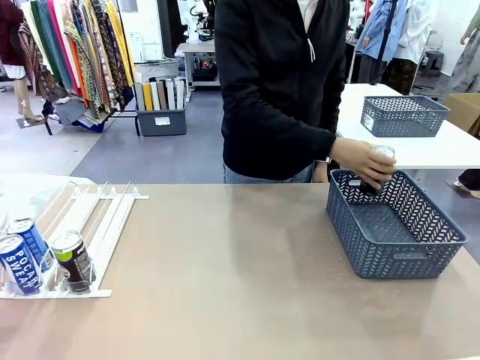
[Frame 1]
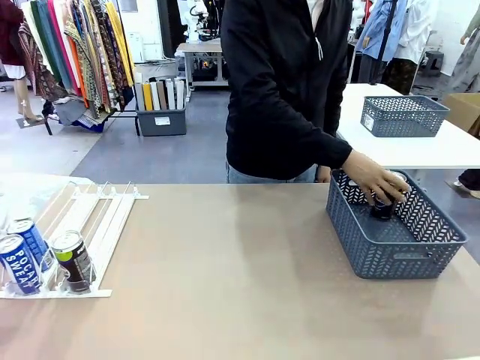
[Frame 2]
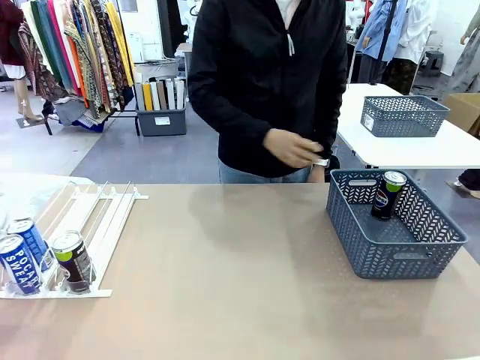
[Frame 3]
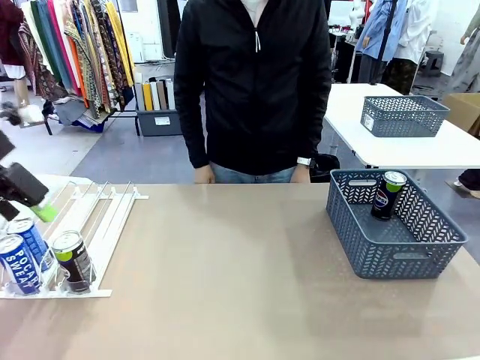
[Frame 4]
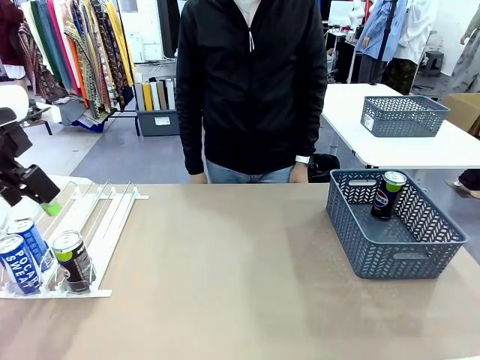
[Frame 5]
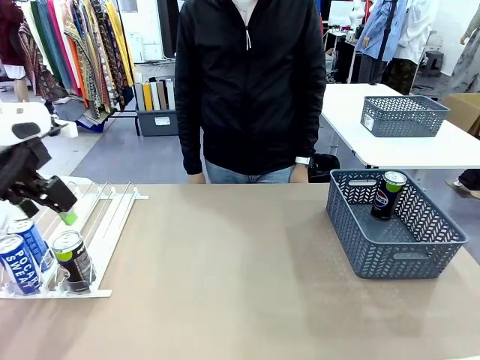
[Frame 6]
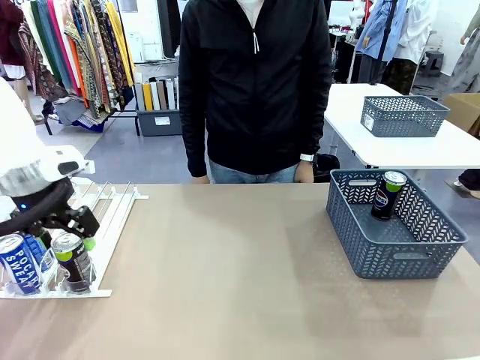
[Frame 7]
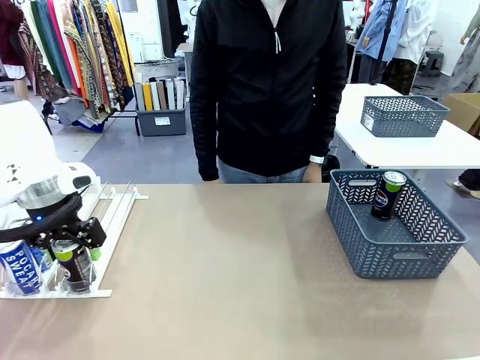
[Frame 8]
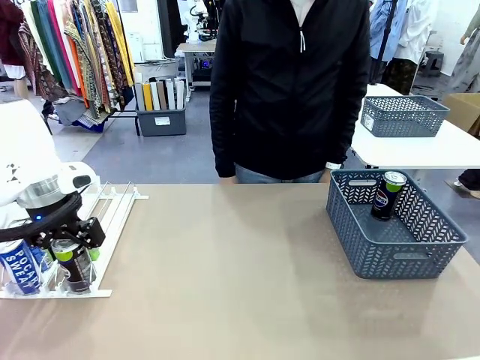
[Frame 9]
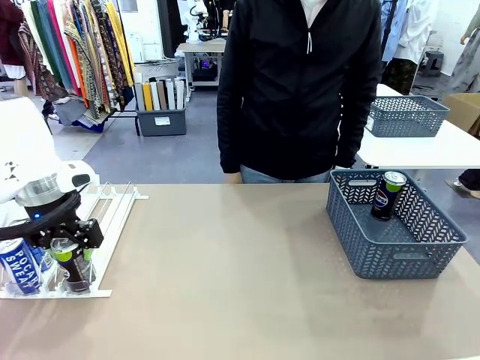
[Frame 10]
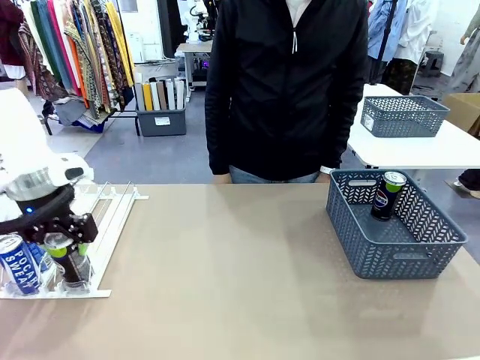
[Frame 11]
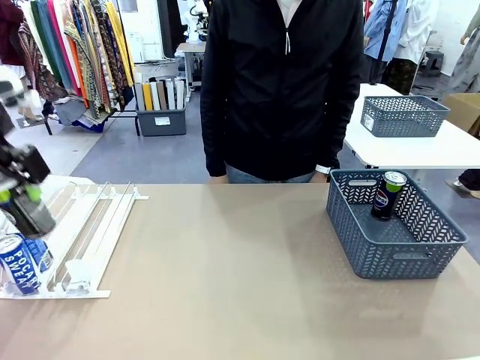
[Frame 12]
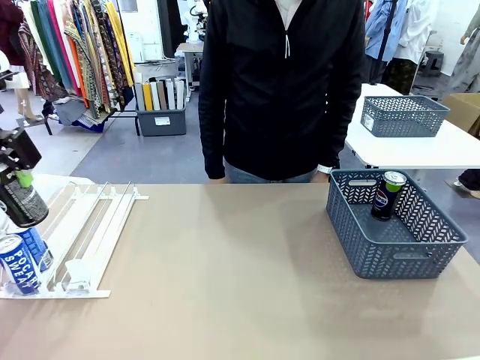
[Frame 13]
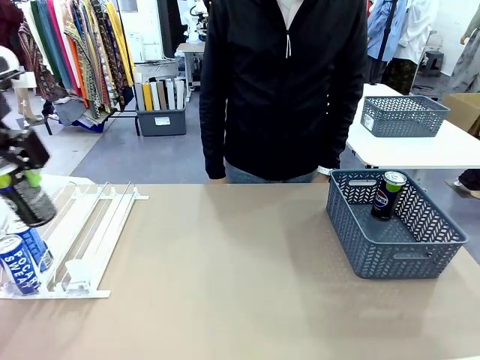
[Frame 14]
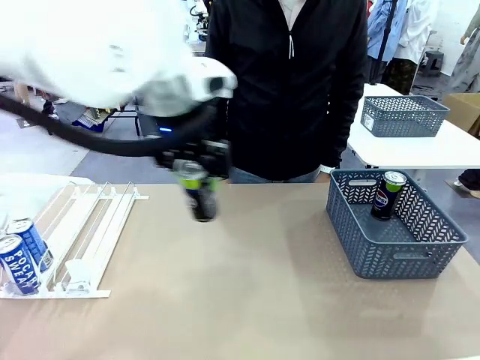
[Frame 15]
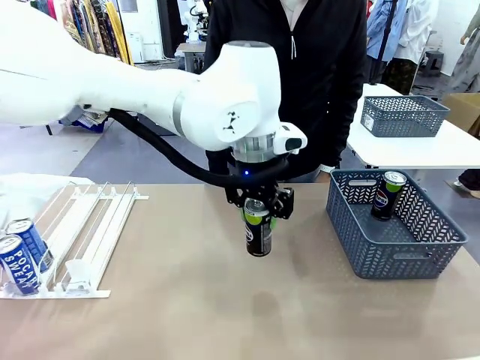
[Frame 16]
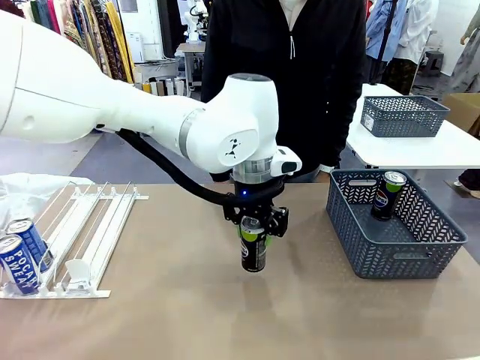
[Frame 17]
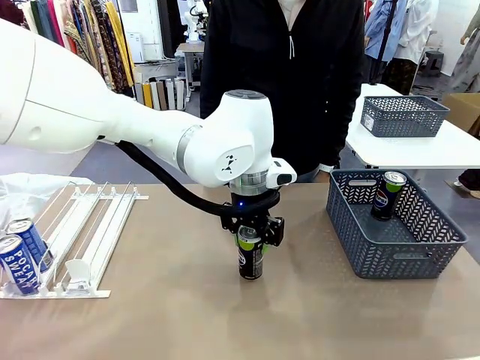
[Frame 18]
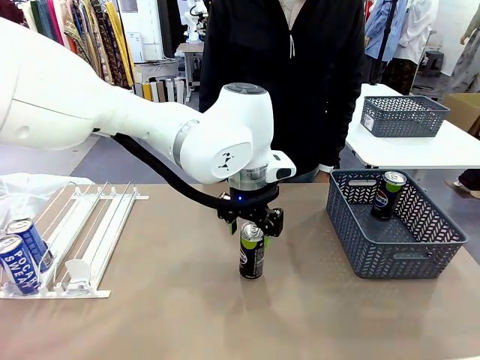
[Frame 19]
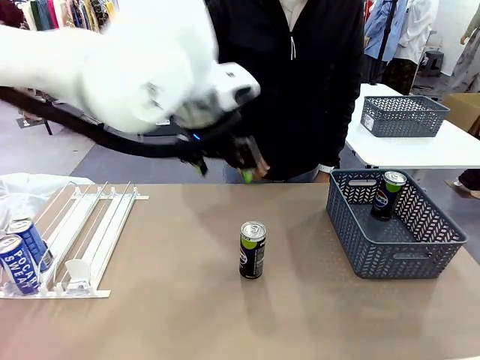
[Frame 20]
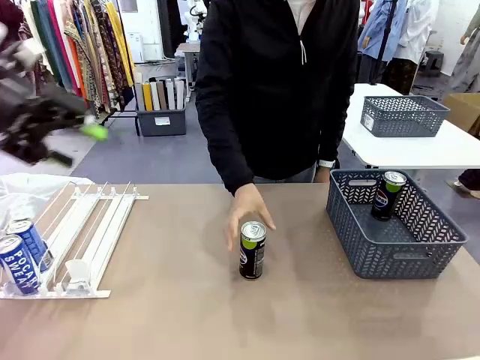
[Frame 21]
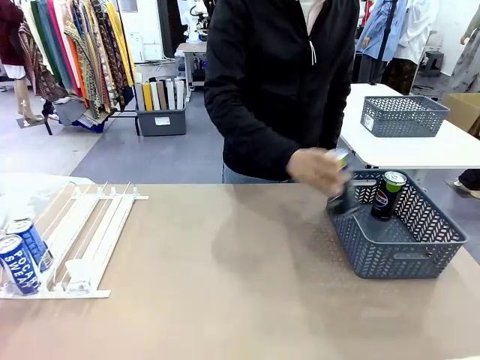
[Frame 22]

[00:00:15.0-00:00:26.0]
Task: Retrieve and store the cans from the dispenser.
Robot: Pick up the last remaining can from one row of the Automatic Can Dispenser and place it in the middle of the table.
Person: Pick up one Pepsi can from the middle of the robot table and place it in the basket.

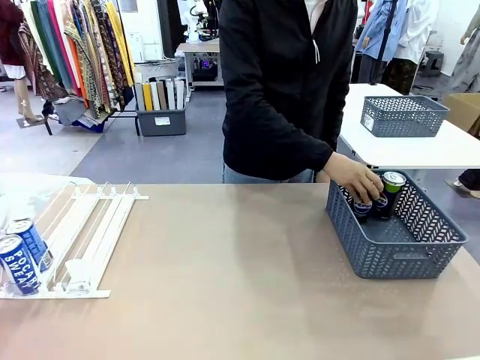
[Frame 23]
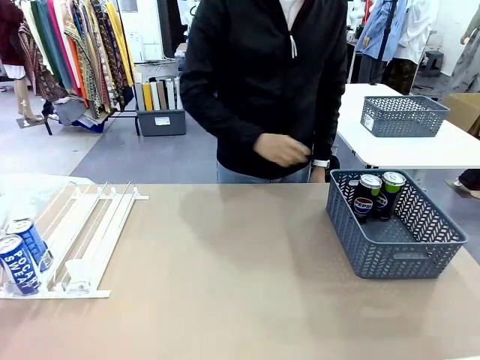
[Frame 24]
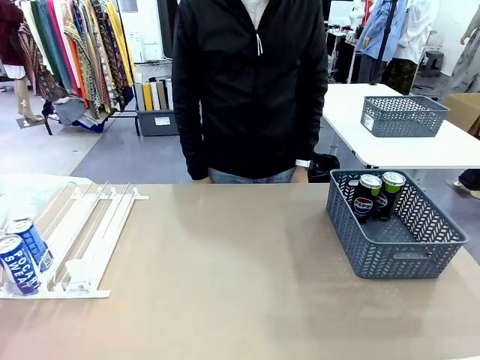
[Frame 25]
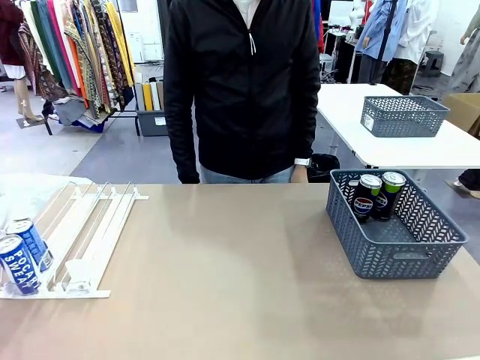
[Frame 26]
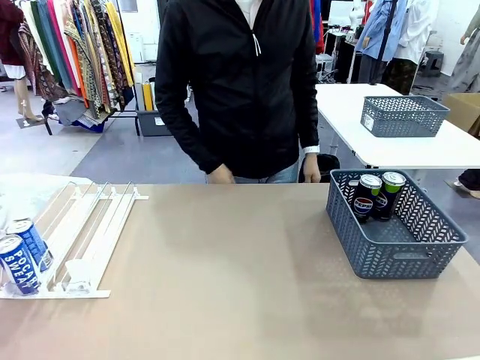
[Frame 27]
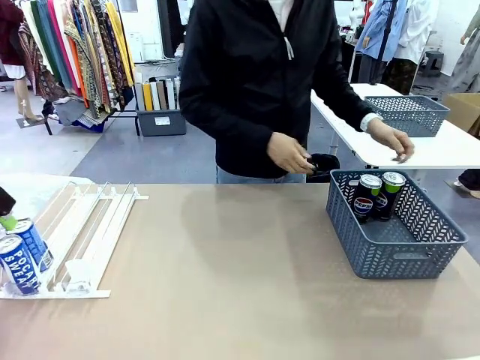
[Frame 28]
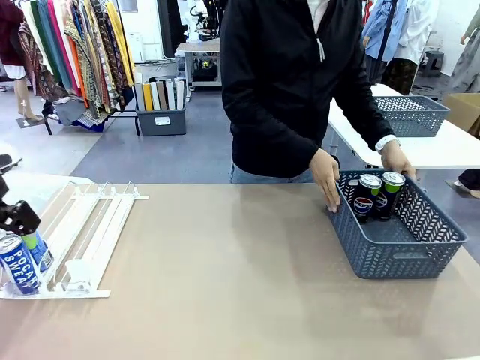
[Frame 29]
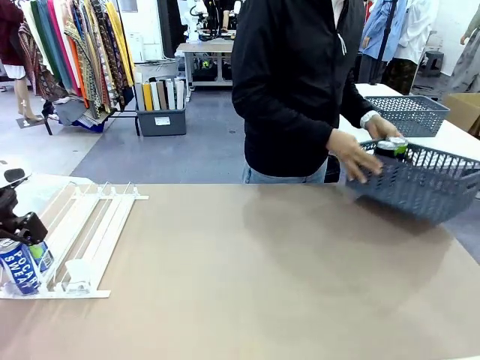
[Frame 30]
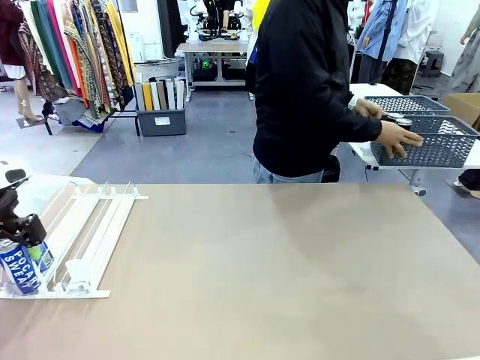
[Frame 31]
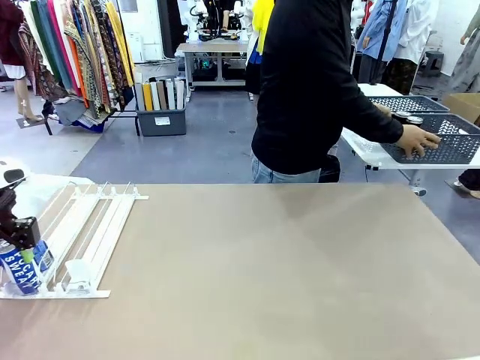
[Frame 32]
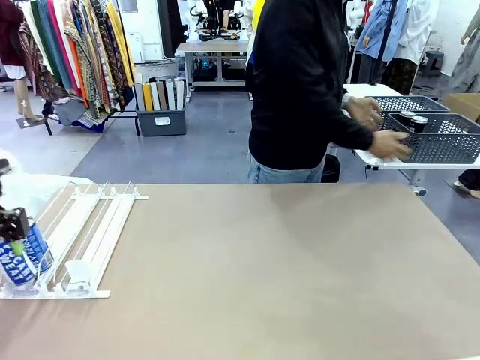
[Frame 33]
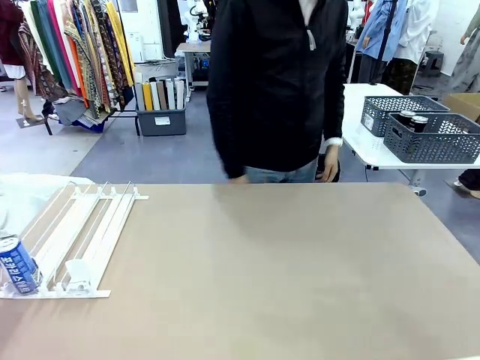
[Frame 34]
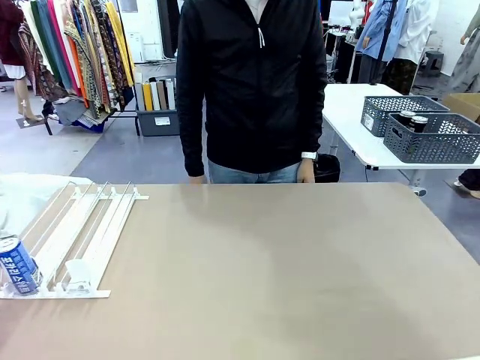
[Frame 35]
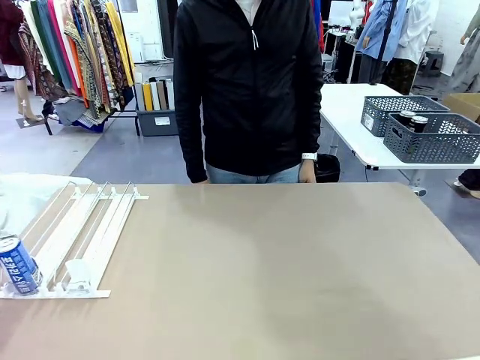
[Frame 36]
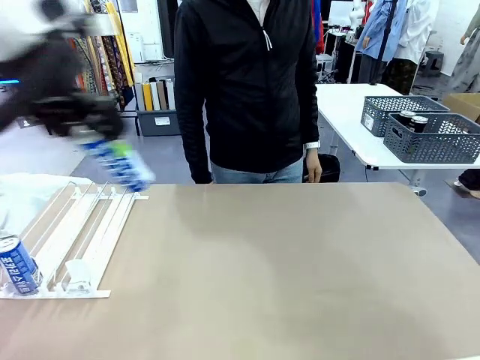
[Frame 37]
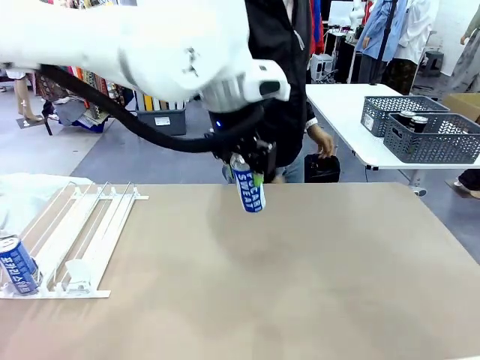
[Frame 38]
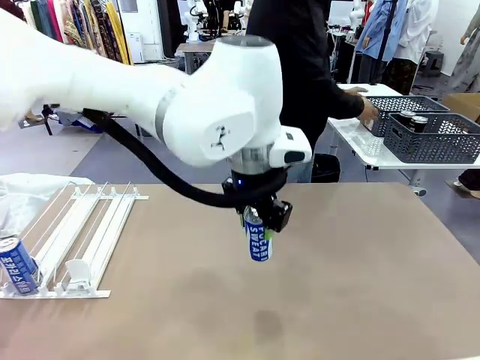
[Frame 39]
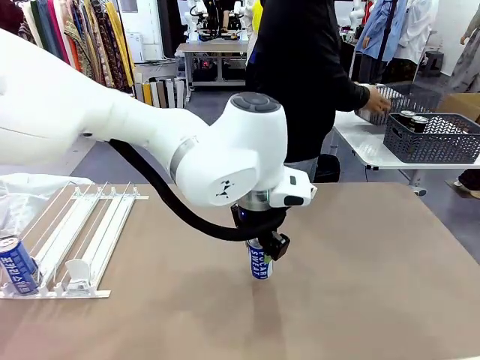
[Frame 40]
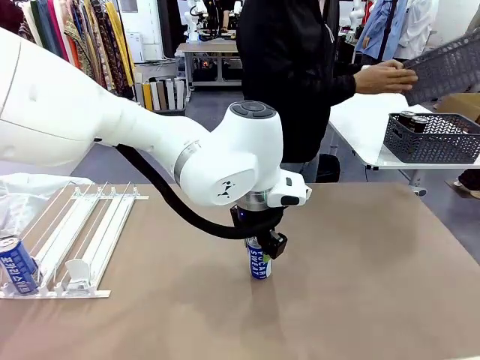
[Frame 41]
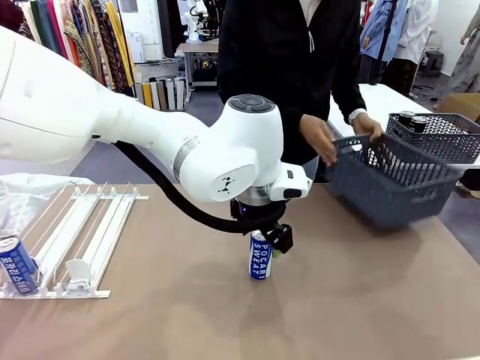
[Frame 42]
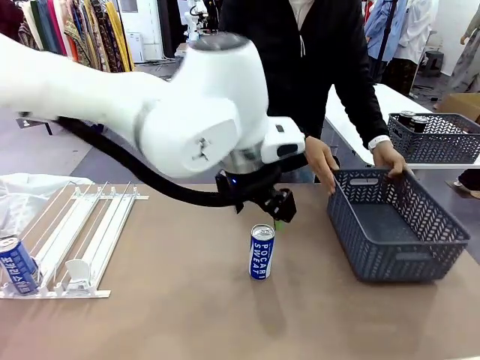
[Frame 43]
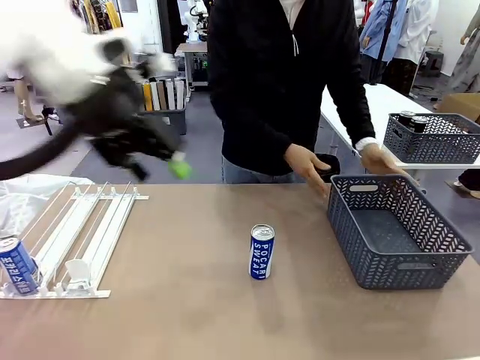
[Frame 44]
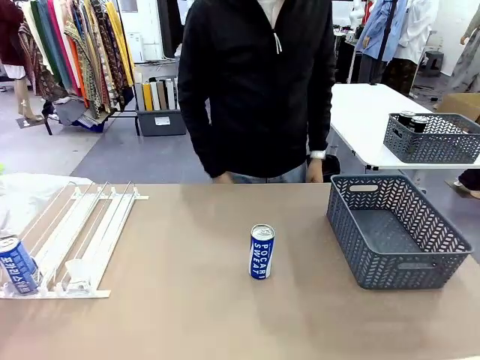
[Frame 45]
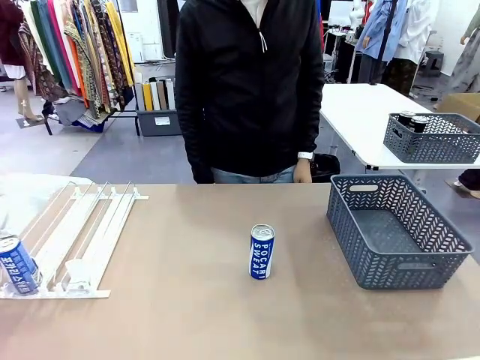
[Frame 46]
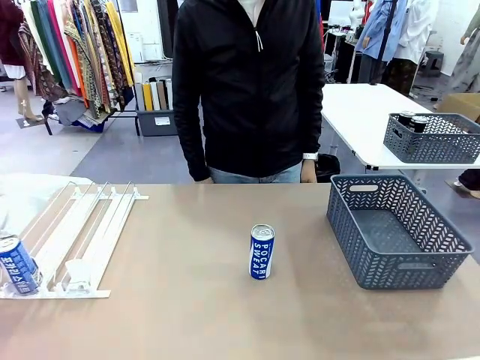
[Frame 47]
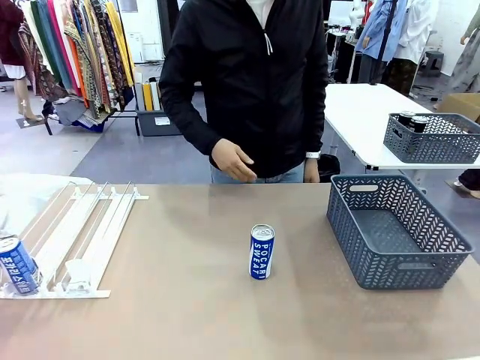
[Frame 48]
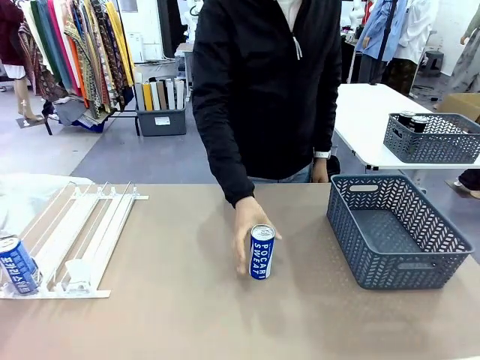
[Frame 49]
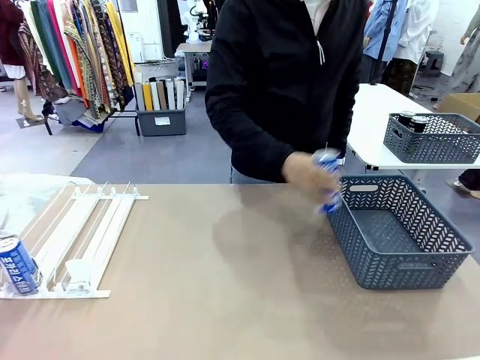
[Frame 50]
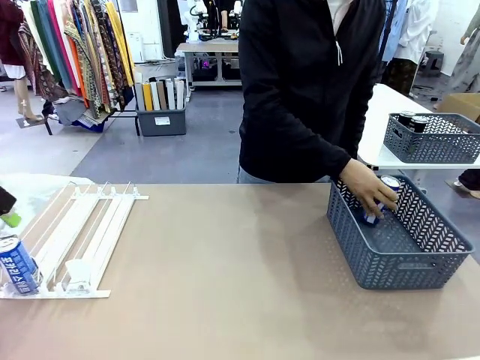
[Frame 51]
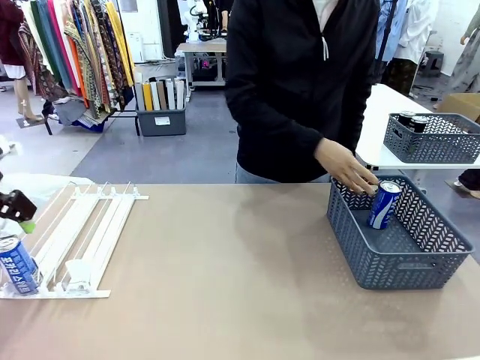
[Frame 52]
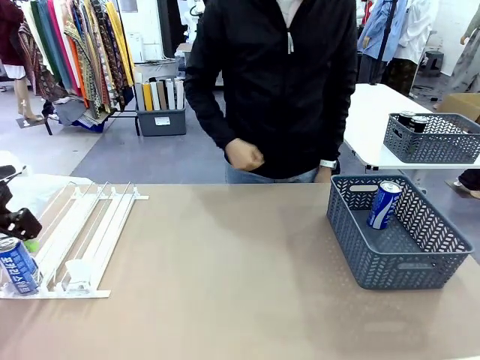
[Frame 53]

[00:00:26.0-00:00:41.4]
Robot: Pick up one can from the Automatic Can Dispenser and place it in the middle of the table.
Person: Pick up the basket and place it in the middle of the human table. Pick up the empty basket and place it on the left side of the robot table.

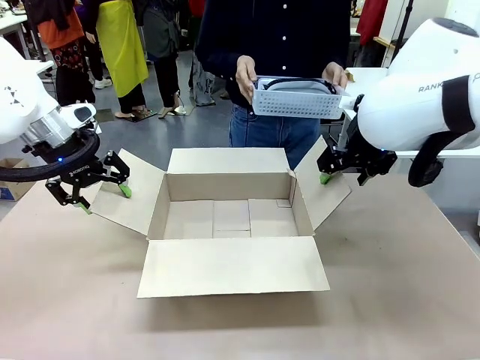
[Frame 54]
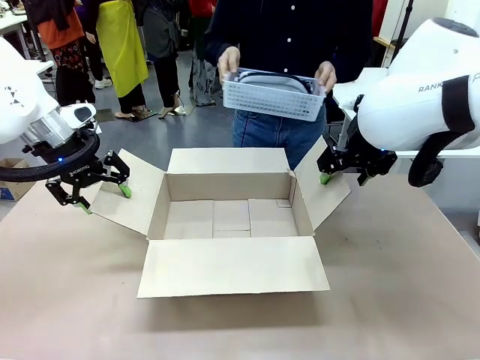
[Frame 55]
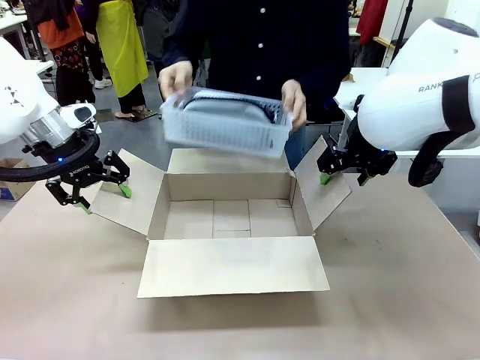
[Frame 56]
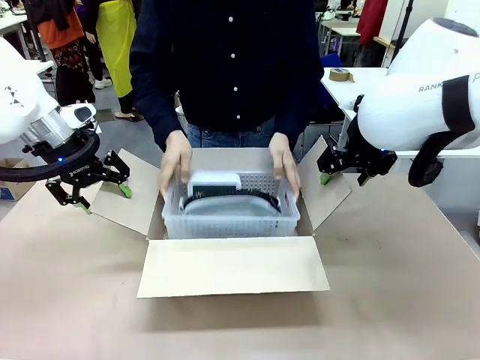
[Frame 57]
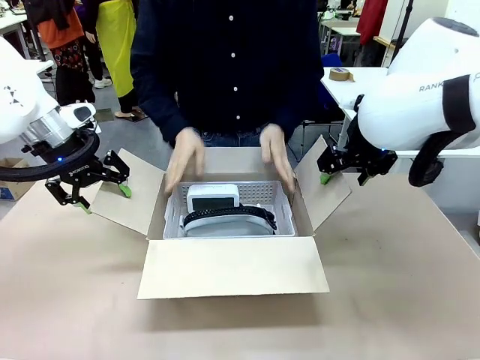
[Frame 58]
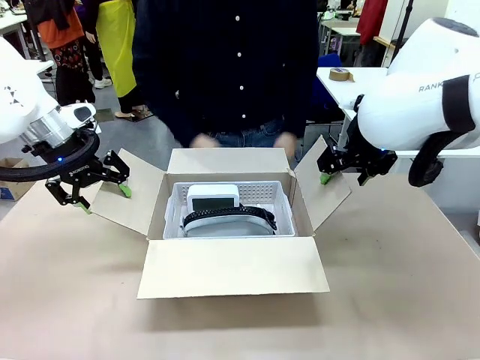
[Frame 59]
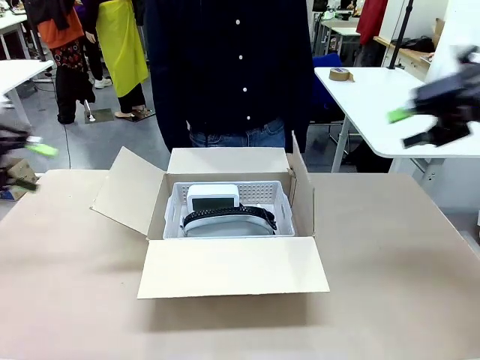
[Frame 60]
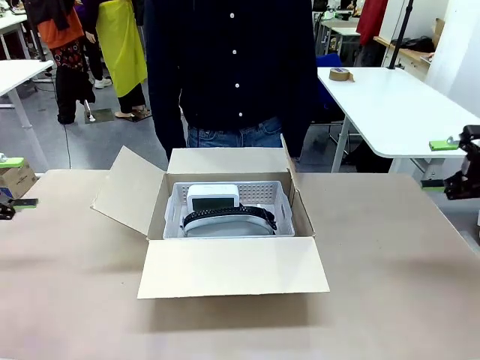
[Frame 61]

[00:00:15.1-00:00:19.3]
Task: Pack the gift set into the box.
Robot: Lift both hands away from the flaps of the Package Box.
Person: The human picks up the organizing basket and places the organizing basket into the package box on the robot table.
